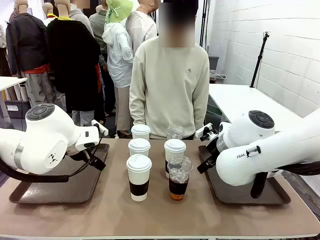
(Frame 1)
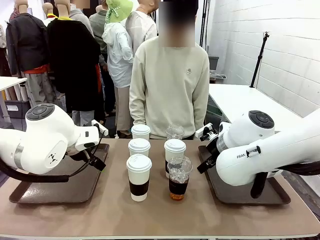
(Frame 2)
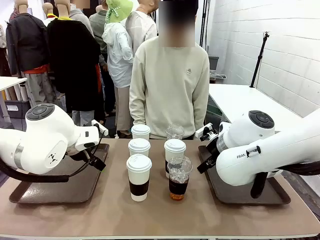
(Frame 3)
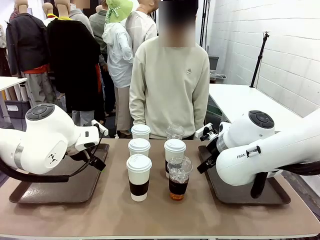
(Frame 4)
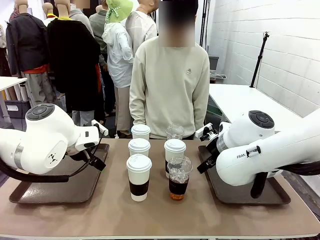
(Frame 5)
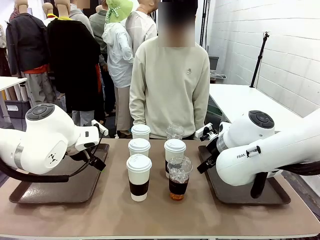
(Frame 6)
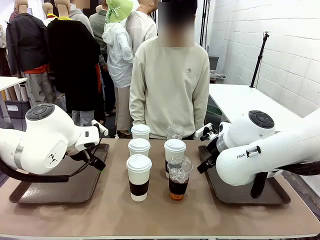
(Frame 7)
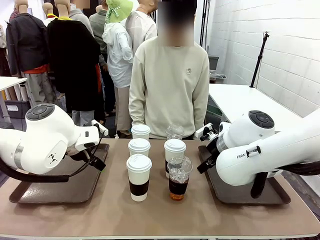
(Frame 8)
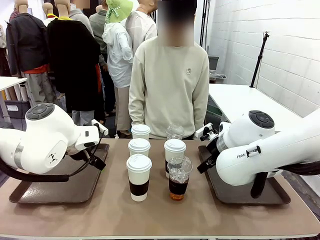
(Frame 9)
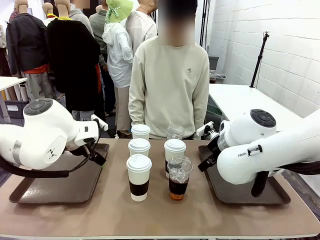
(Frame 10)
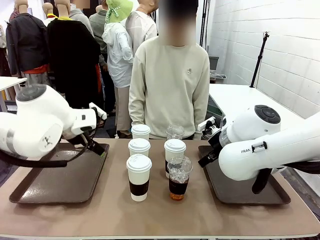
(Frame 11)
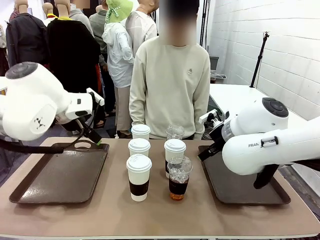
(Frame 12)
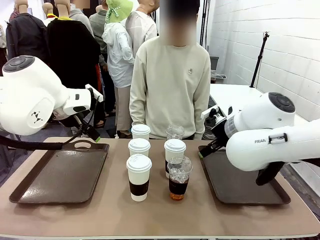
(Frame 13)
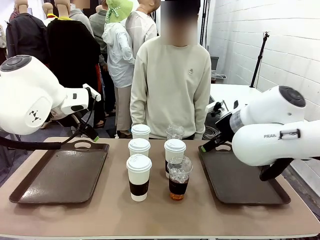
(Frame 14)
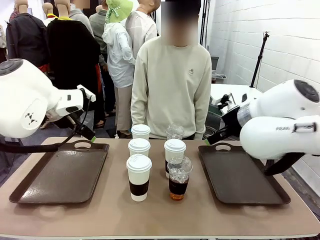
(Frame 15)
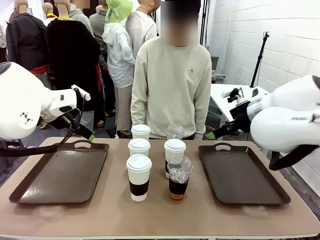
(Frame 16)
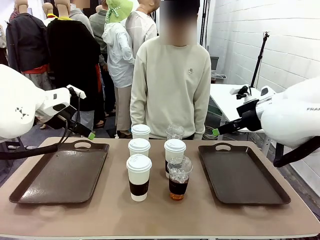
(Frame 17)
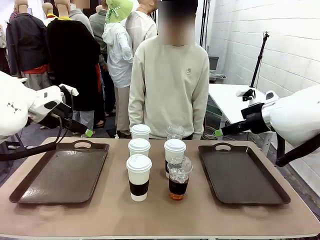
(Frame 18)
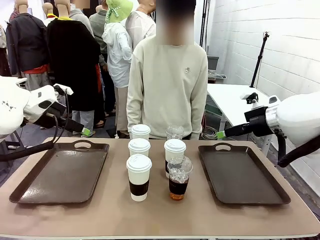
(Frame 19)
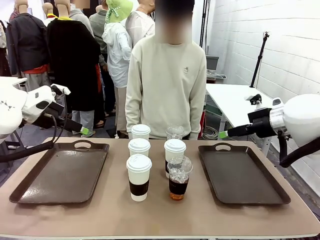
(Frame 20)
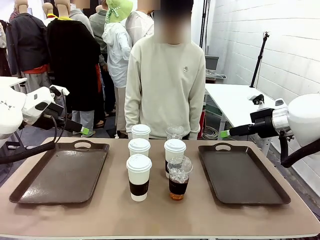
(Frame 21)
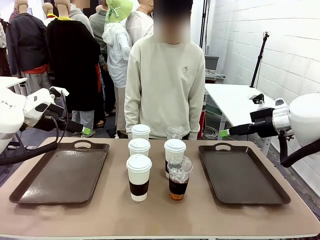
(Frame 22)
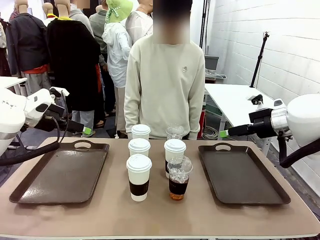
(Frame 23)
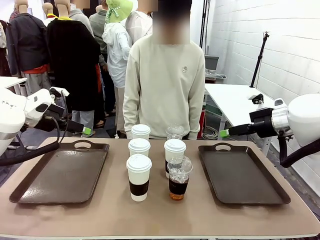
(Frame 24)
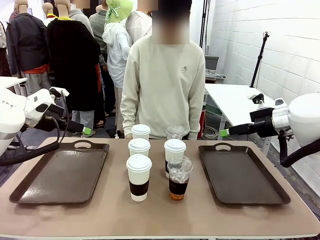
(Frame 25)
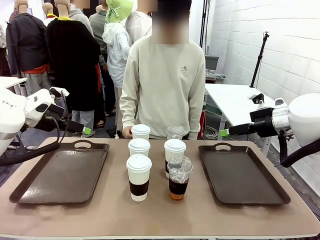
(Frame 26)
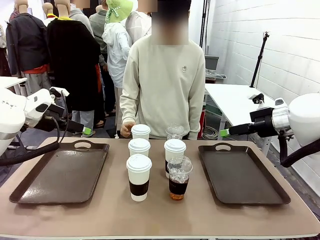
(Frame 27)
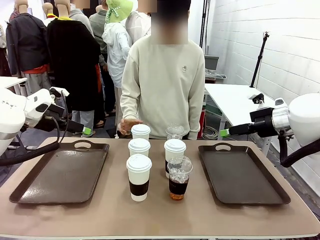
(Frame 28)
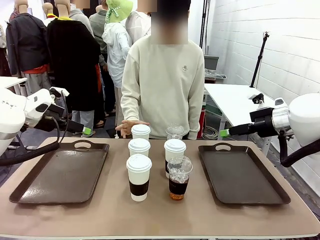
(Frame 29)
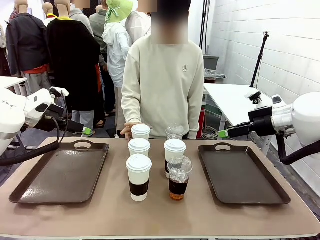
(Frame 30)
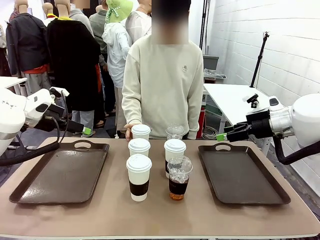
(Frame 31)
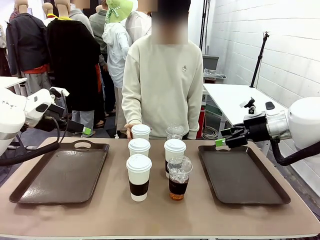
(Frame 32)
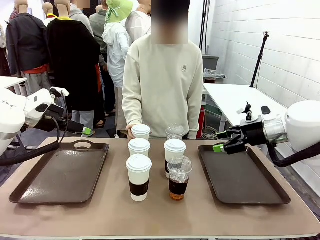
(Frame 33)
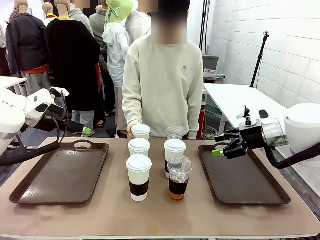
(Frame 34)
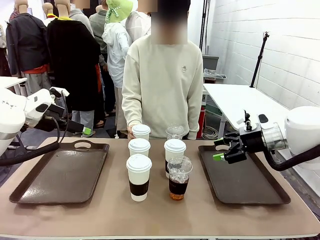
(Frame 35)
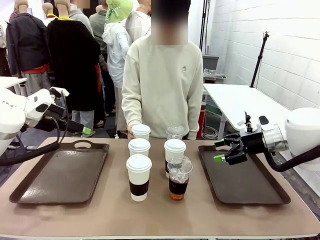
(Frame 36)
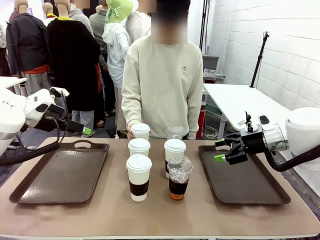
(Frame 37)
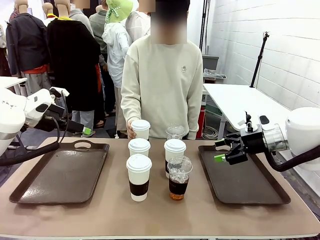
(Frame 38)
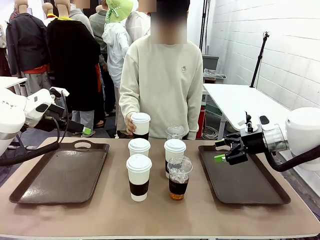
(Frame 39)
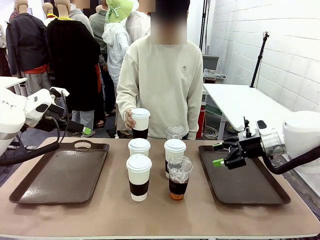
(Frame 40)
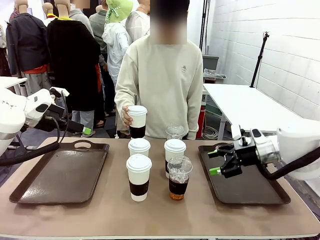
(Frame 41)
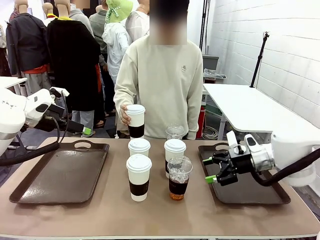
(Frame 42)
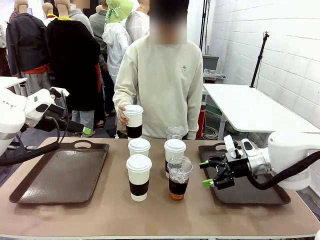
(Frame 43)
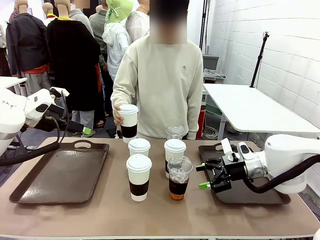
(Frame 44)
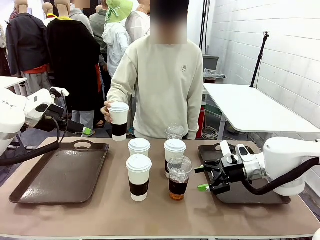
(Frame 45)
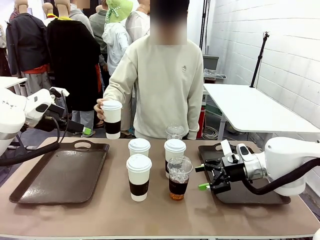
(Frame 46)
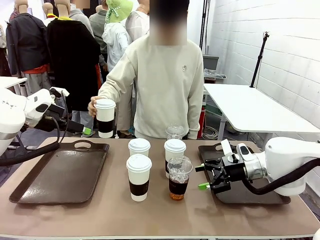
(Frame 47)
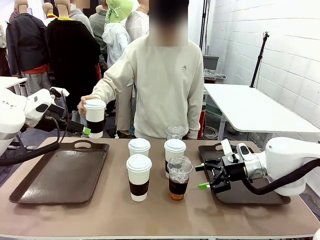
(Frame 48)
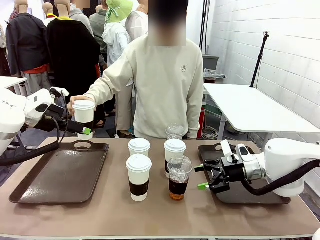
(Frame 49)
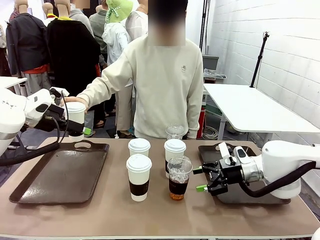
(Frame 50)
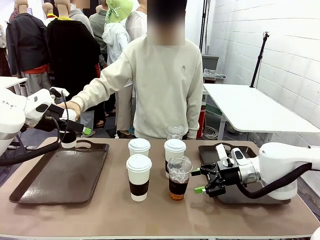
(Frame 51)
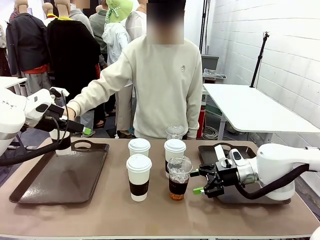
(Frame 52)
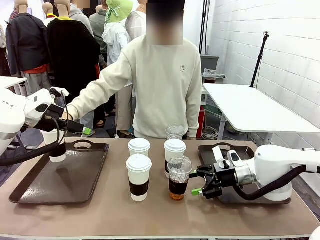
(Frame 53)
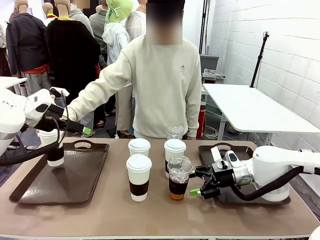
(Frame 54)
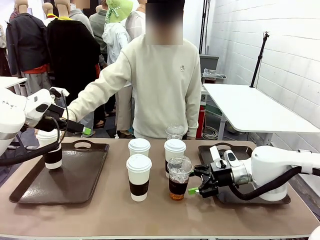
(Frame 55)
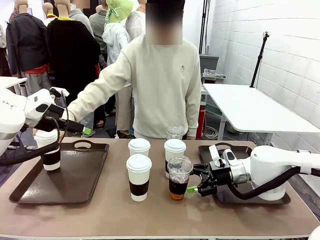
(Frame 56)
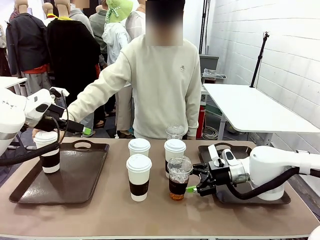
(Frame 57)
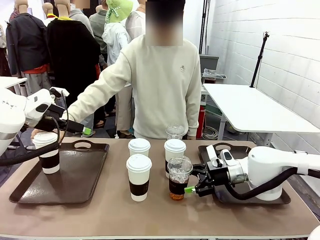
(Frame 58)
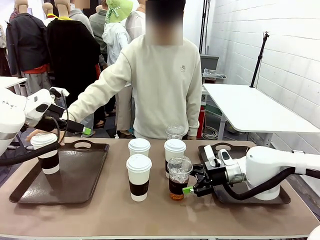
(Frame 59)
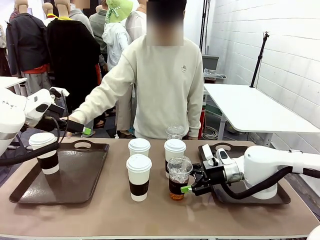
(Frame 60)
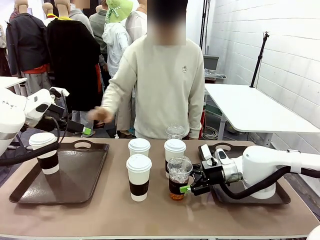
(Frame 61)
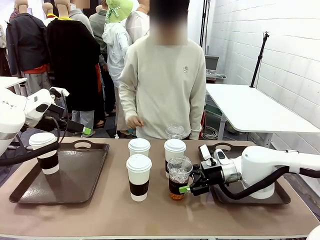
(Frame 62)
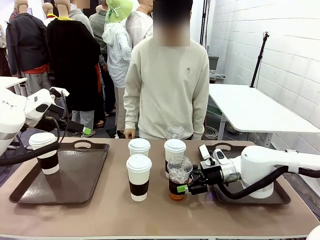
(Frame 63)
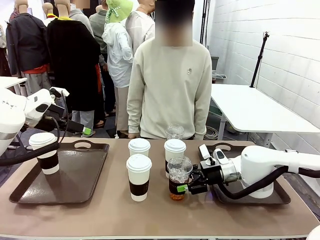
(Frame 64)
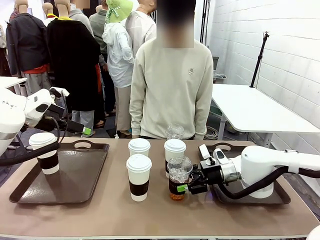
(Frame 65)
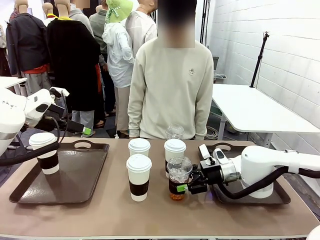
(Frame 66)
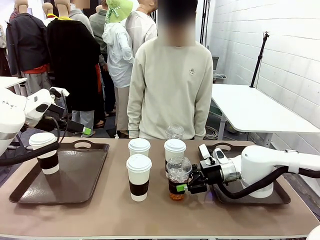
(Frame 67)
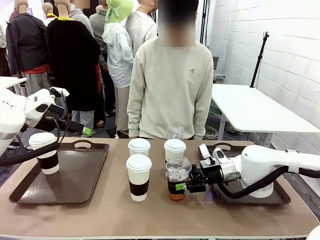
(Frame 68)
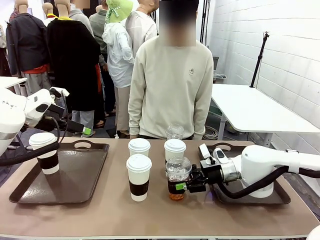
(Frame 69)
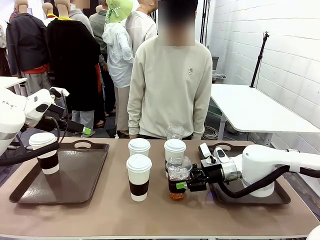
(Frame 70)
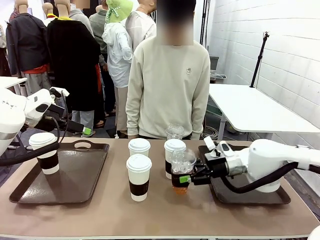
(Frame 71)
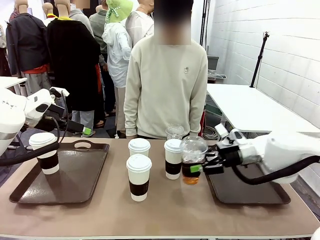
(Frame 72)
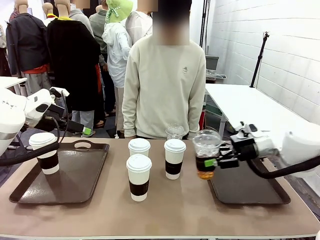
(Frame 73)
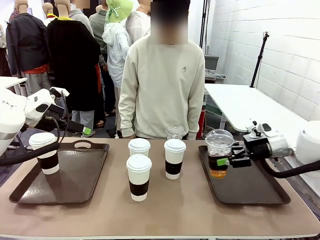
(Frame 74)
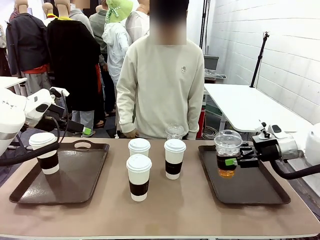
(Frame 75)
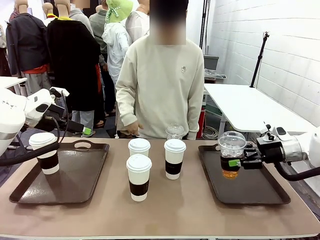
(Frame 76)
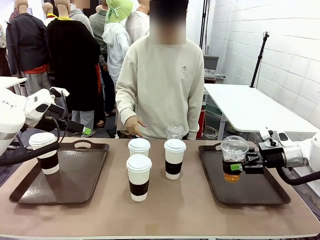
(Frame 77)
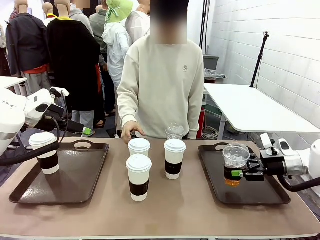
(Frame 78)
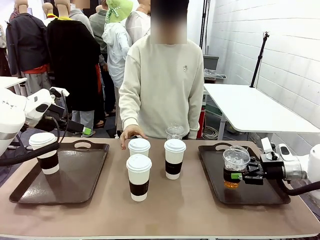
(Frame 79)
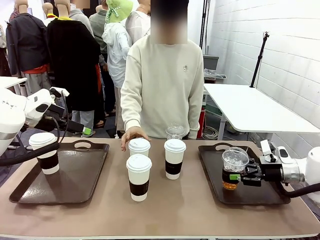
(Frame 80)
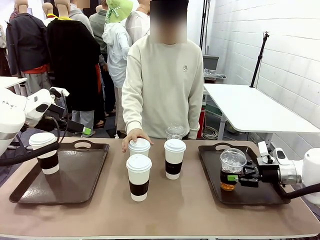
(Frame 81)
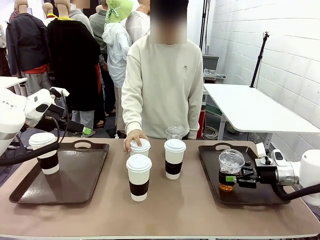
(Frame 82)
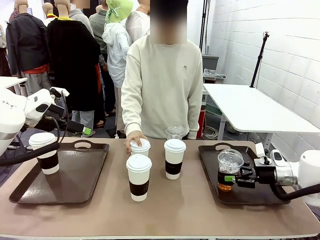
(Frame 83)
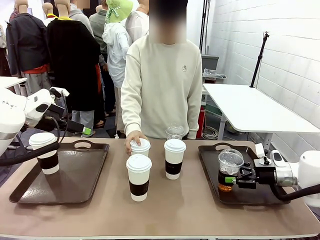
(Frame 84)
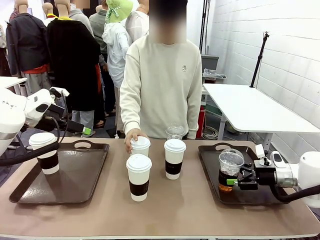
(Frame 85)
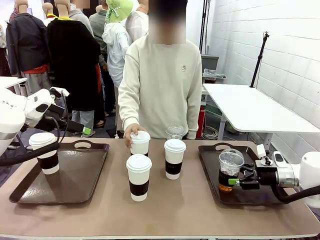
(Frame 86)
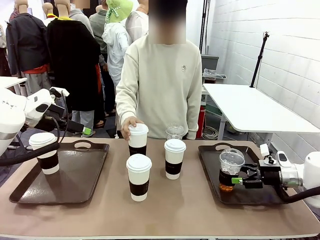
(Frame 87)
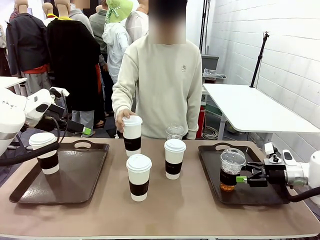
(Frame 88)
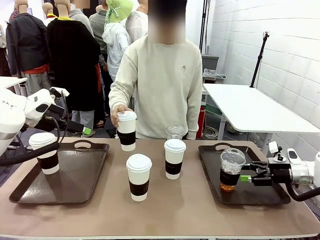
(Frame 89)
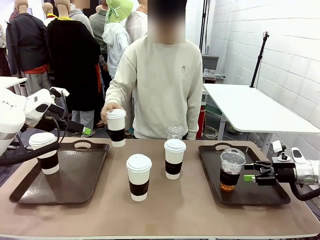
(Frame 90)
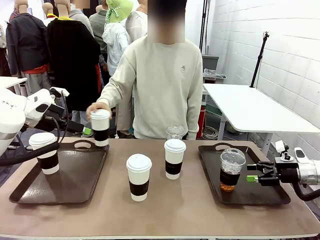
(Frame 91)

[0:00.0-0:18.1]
Task: Distribute the coffee onto the tray.
Robot: Pick up one iced Americano and place it on the right Handle tray.
Person: Pick up a cup of hot Americano and place it on the right tray.
